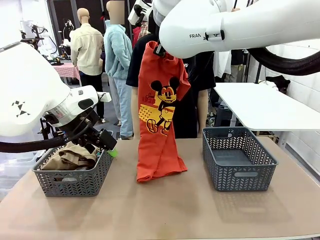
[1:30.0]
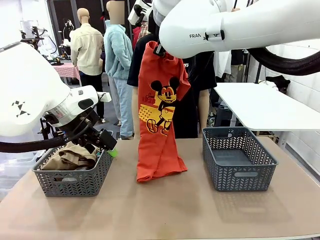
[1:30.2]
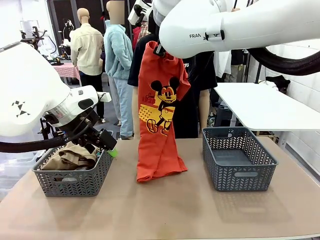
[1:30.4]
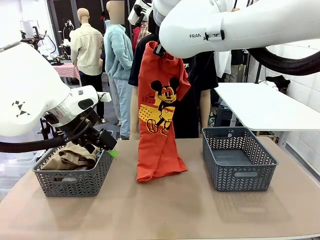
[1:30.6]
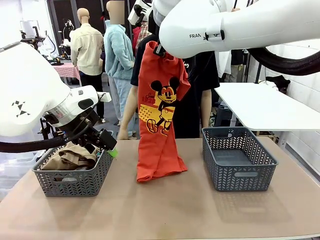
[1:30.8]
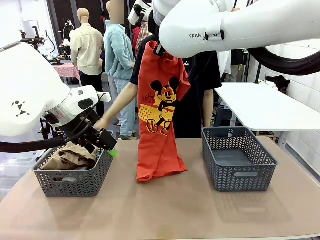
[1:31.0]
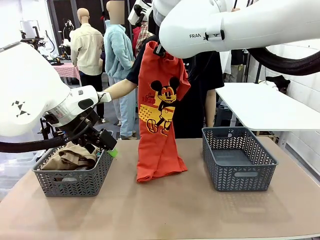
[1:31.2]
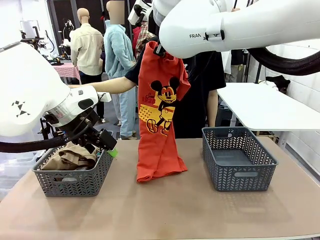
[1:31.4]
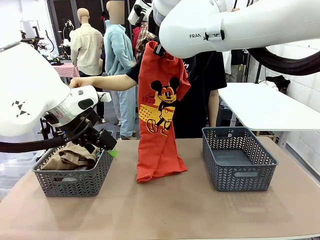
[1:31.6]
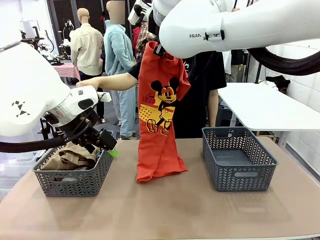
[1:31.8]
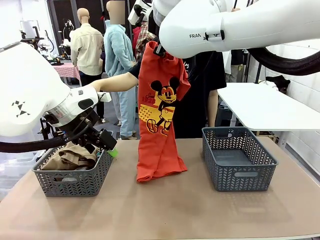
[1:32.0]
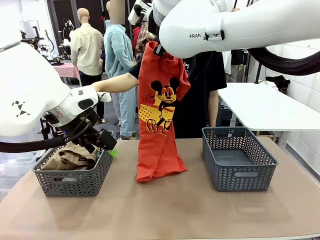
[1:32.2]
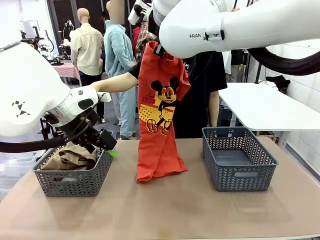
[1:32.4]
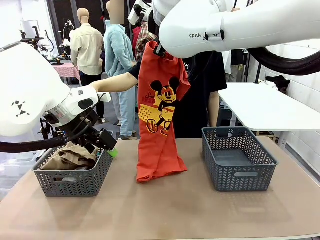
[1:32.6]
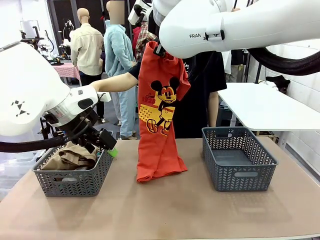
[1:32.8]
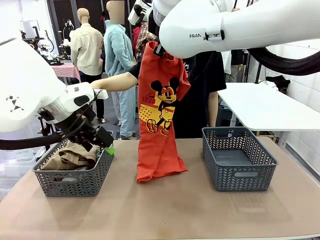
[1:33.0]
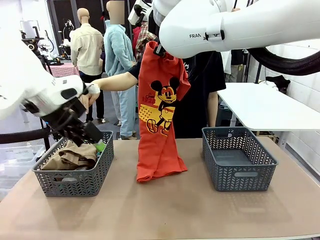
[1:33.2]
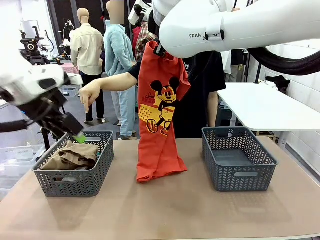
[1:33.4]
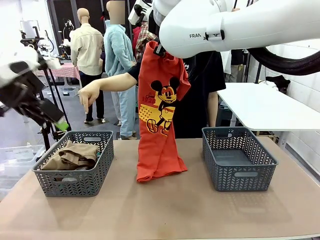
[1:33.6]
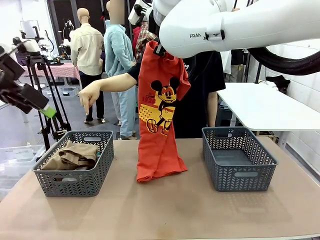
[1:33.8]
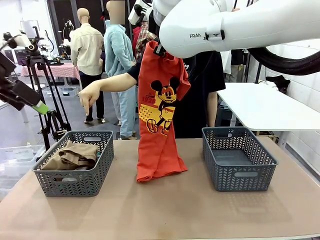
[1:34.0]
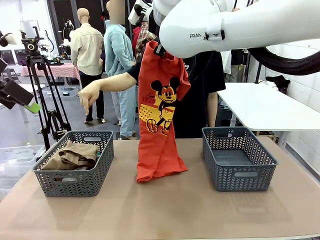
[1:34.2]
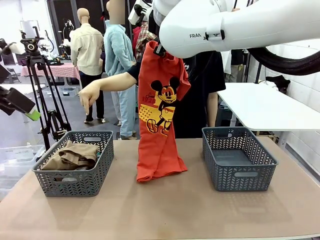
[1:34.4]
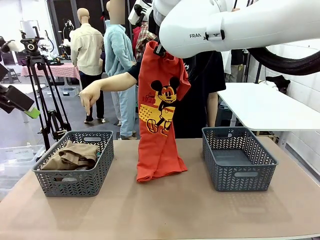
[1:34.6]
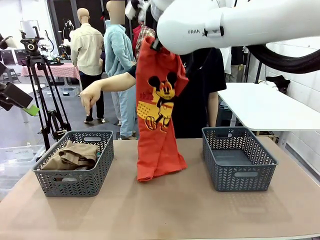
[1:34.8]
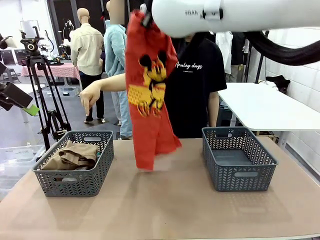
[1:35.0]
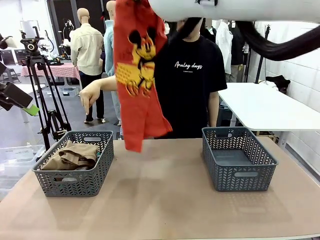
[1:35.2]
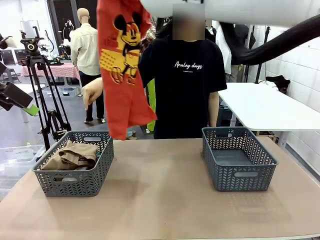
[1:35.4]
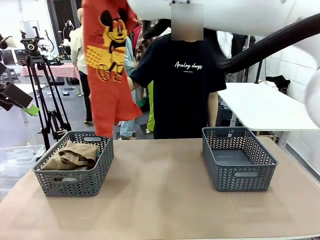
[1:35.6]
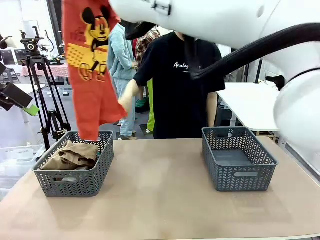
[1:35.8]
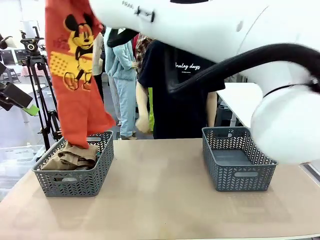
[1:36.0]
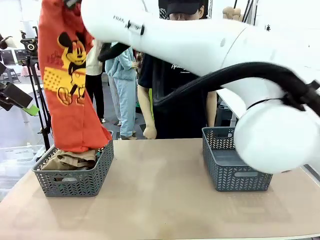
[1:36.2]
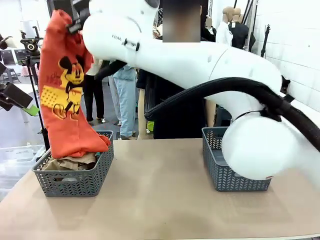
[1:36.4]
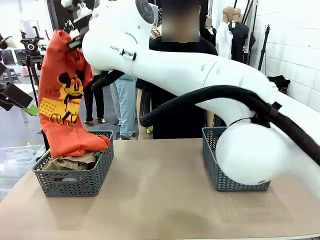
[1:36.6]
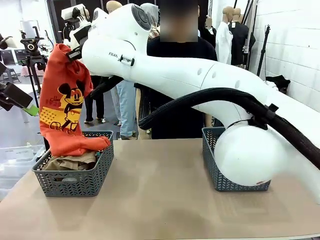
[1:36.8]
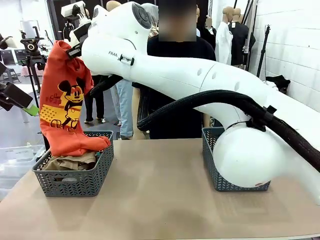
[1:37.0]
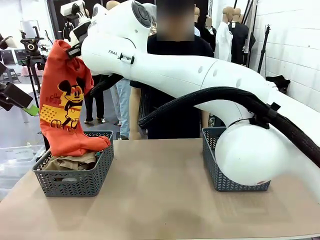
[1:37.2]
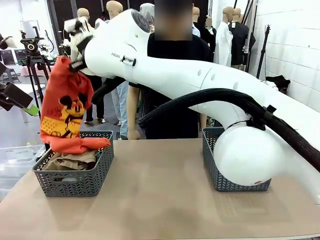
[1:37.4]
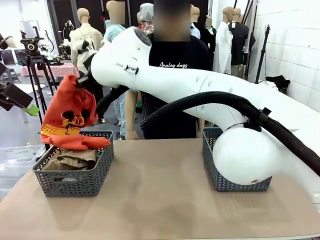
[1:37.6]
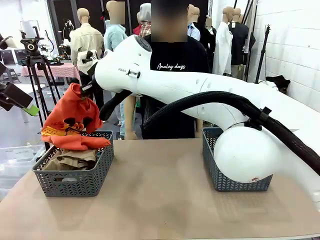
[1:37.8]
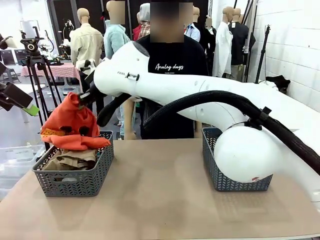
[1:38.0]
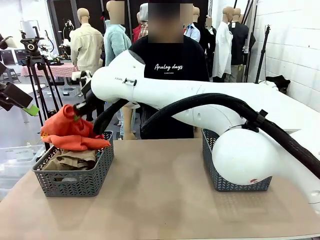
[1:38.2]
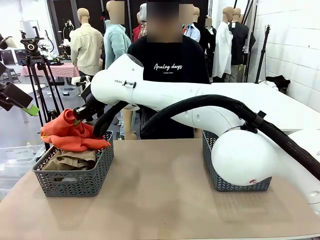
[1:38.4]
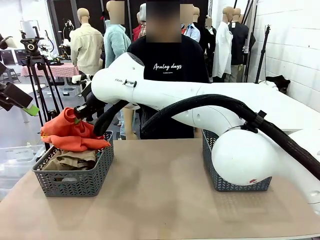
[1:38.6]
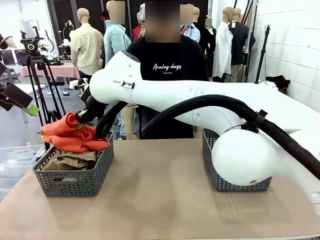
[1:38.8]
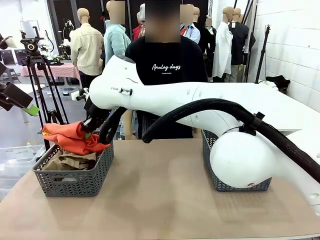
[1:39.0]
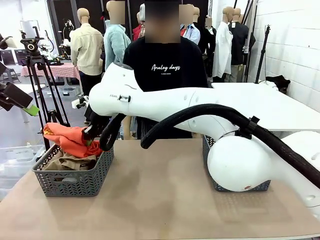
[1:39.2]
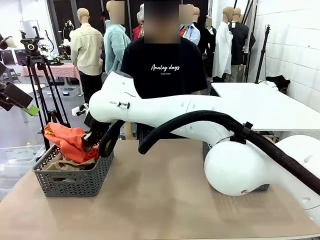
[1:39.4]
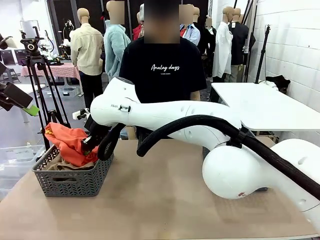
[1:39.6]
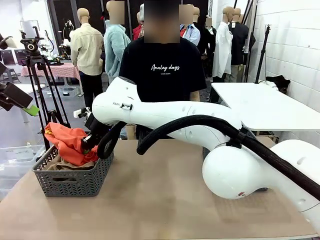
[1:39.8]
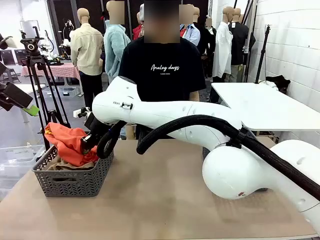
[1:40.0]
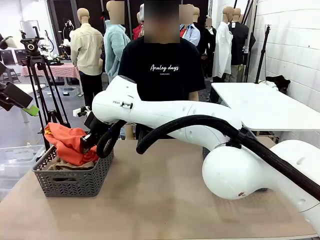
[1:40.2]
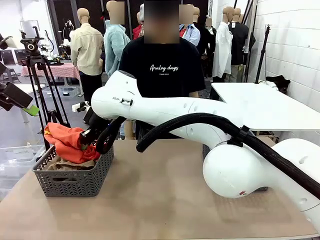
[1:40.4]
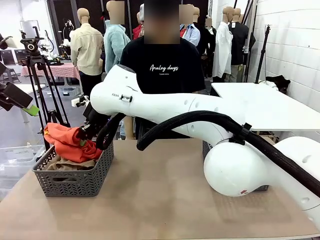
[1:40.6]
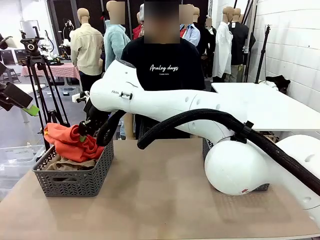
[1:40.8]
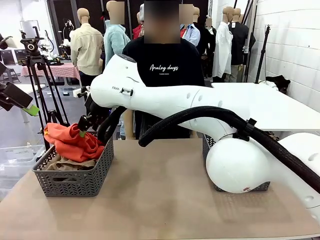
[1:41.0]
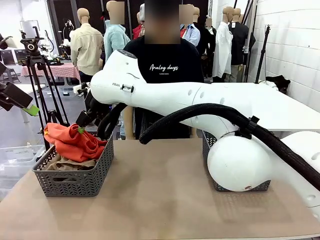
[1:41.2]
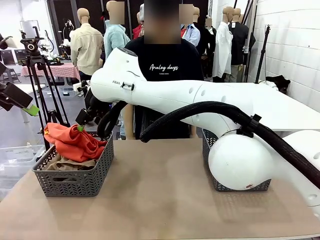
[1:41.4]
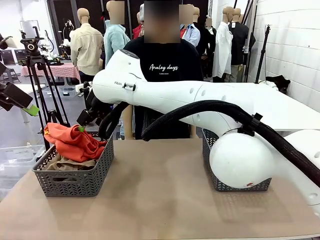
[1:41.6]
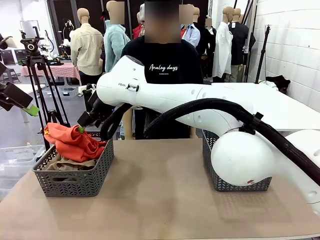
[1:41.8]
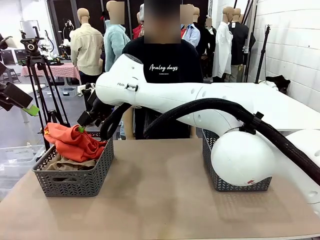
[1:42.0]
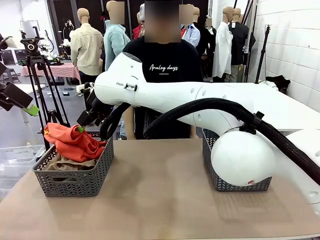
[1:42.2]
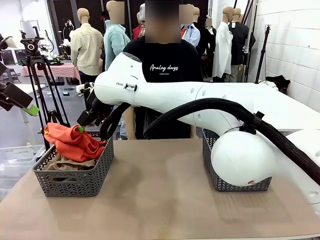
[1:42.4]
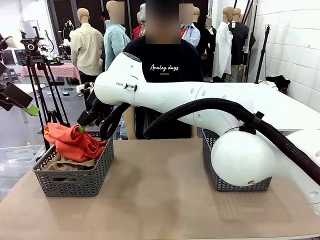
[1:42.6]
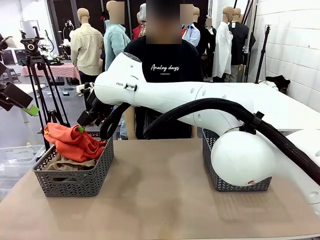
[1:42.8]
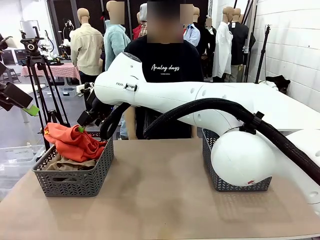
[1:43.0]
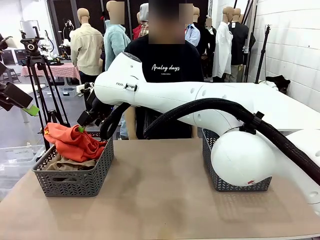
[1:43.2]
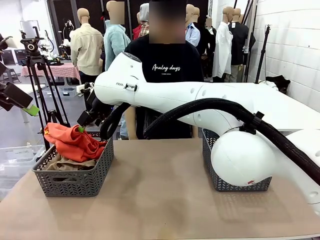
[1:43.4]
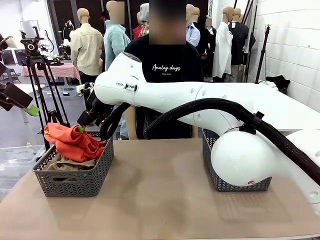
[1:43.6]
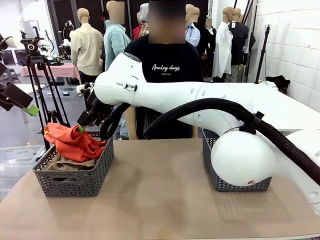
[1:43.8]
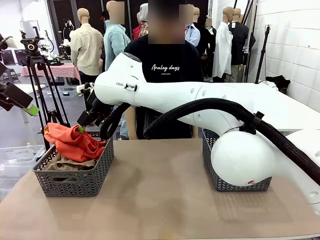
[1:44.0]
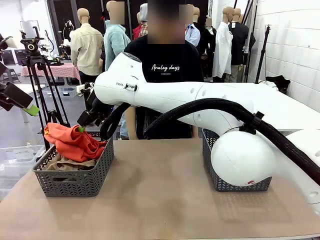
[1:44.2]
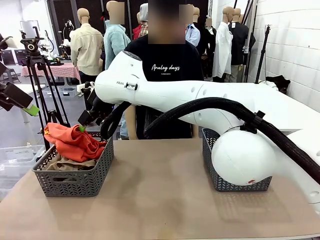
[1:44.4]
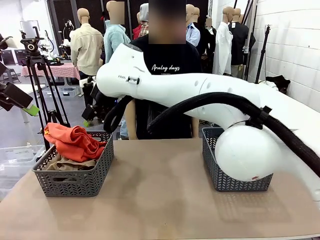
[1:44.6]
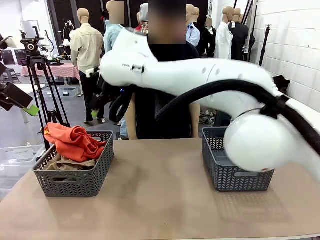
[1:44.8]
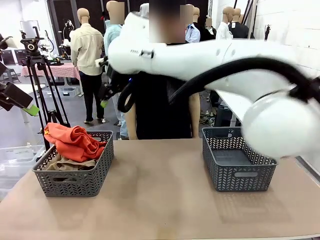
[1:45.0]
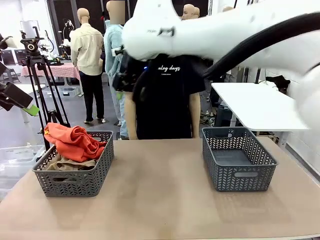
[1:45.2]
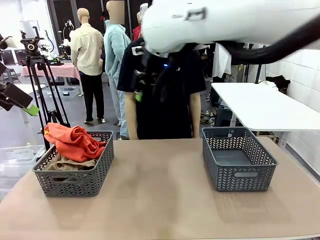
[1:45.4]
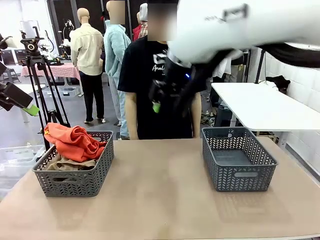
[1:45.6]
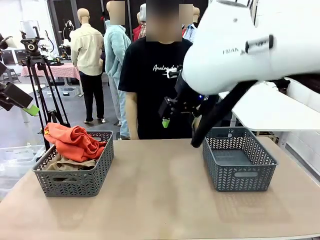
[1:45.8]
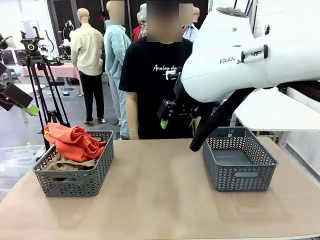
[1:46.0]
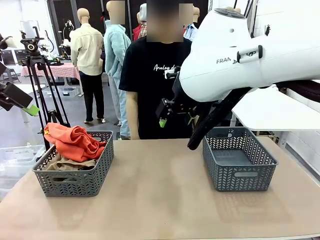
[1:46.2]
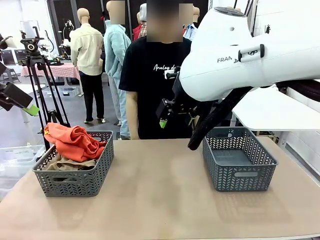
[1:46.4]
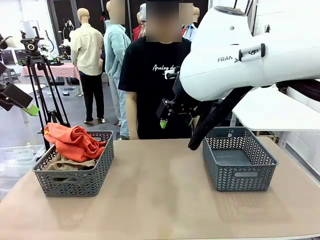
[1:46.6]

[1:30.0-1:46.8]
Task: Sort the tops and bottoms.
Robot: Sort the clothes according to human instructions.

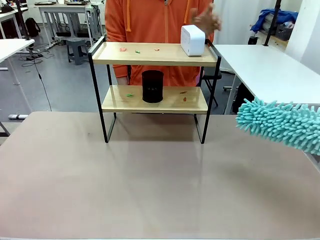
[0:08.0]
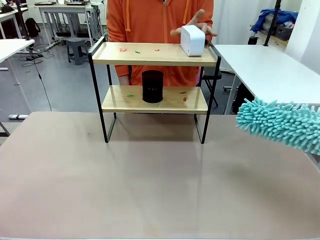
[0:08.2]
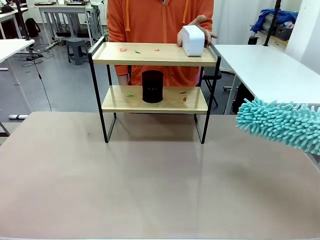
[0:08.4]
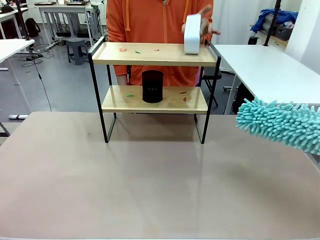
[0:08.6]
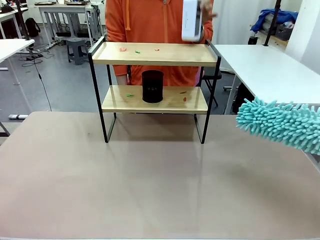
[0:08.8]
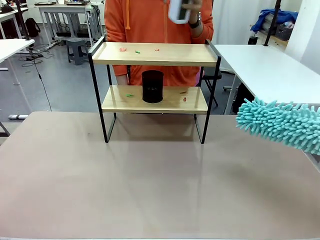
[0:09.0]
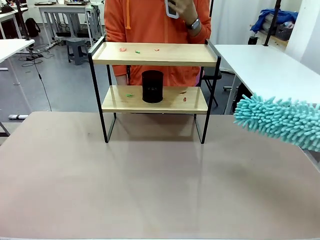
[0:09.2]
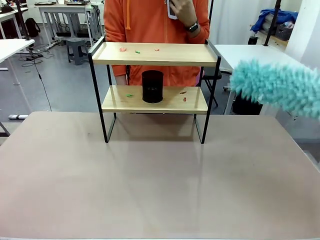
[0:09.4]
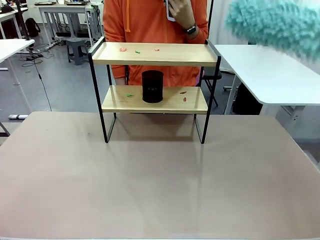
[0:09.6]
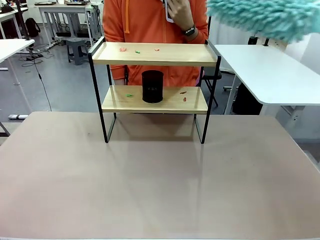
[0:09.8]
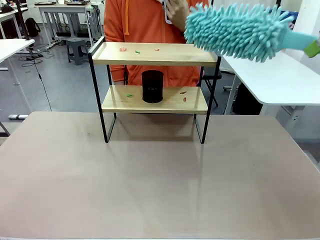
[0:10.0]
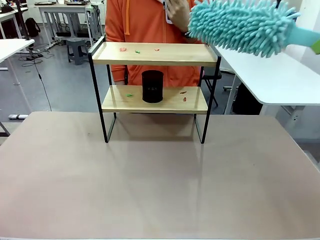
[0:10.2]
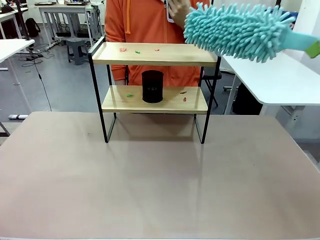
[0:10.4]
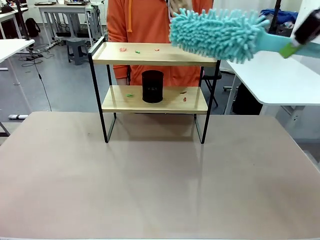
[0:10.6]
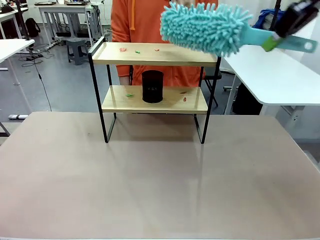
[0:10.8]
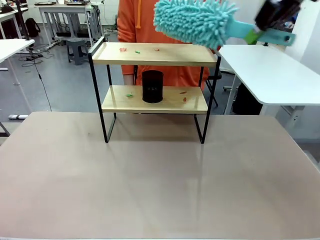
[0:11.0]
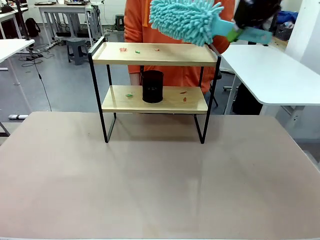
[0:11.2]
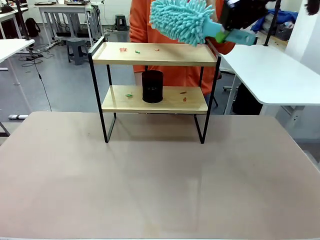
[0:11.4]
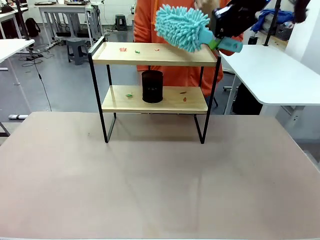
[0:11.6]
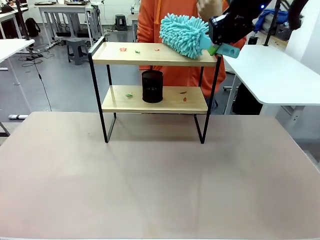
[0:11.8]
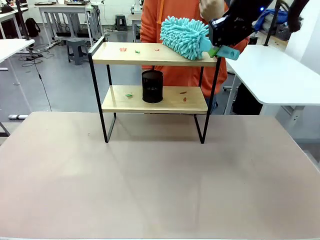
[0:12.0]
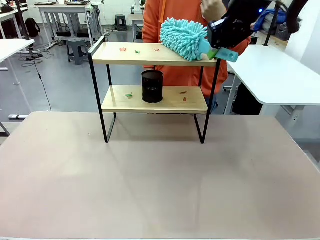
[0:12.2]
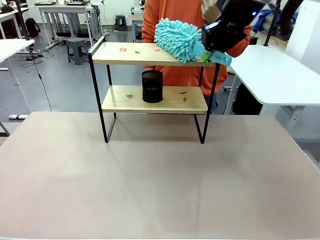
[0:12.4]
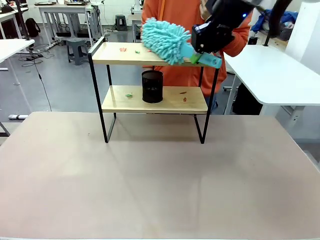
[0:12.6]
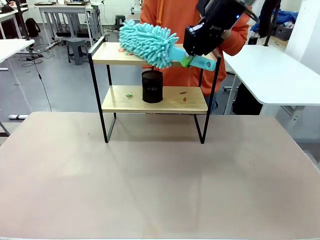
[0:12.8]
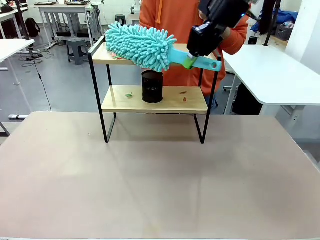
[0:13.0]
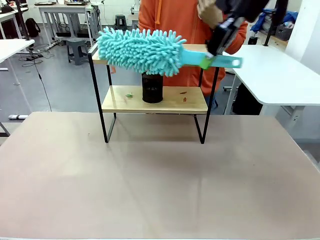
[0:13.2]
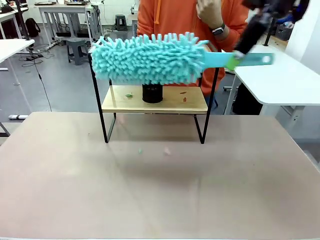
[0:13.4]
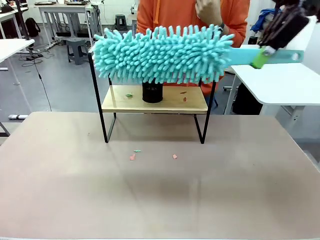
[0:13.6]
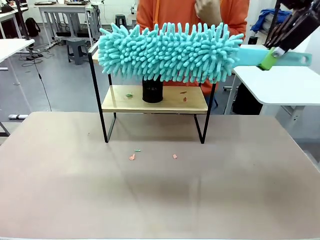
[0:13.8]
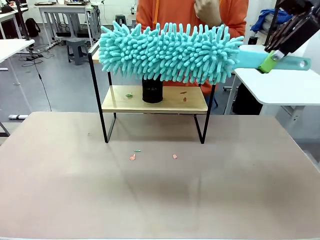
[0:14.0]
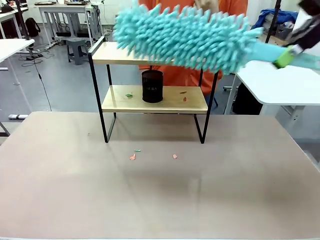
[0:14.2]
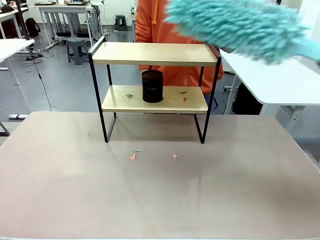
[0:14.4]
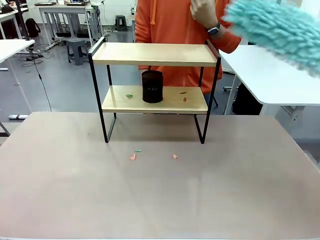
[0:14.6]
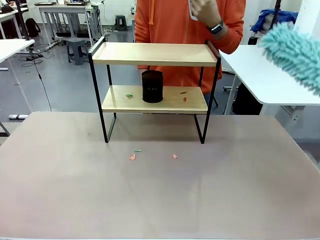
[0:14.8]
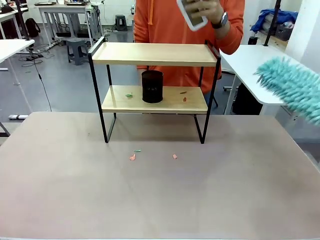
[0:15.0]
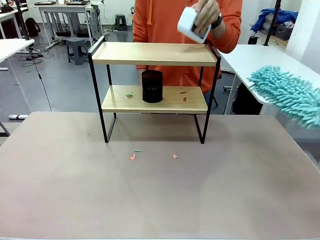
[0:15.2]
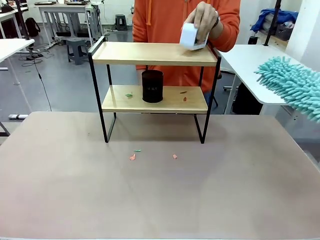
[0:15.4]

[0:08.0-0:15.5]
Task: Clean the shelf.
Robot: Clean the specific tier of the Shelf with the Duster once objects are removed.
Person: Lift the objects on a randomly selected tier of the Shelf. Once the robot finishes cleaning, lift the objects on the remaining tiers of the Shelf.
